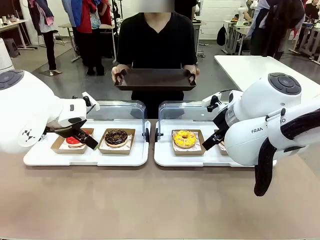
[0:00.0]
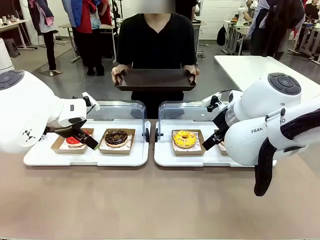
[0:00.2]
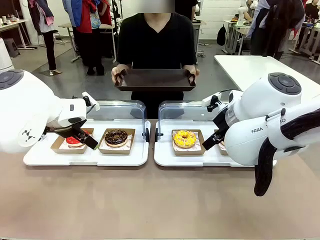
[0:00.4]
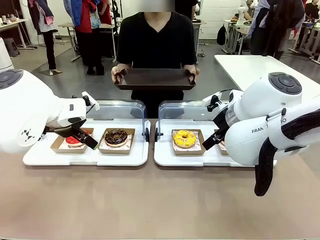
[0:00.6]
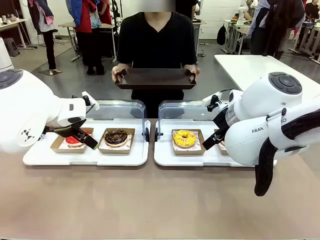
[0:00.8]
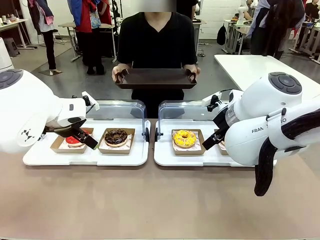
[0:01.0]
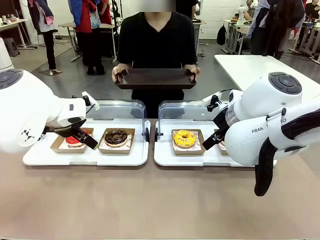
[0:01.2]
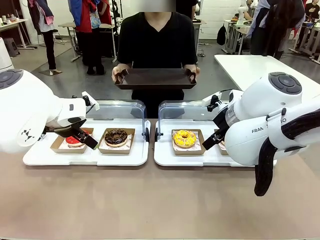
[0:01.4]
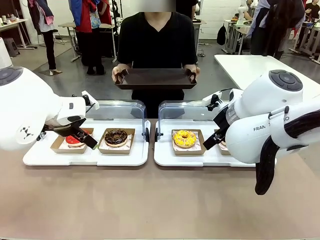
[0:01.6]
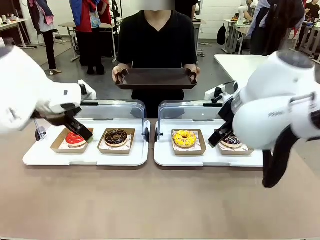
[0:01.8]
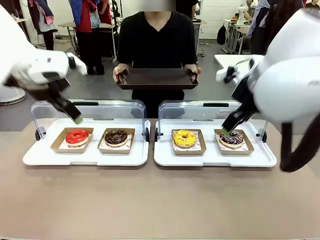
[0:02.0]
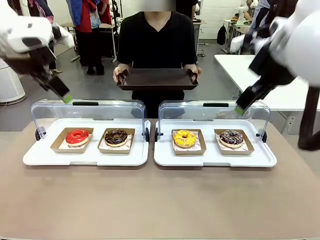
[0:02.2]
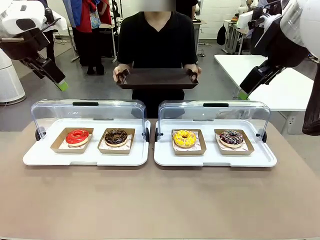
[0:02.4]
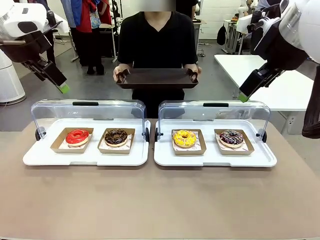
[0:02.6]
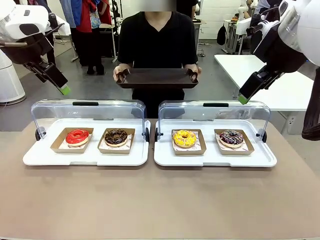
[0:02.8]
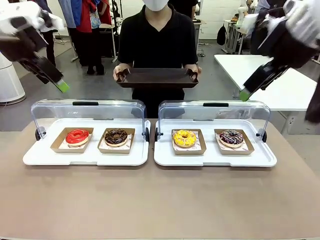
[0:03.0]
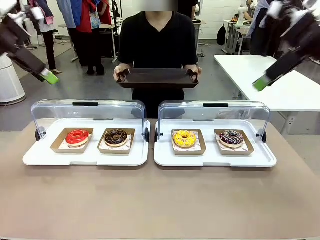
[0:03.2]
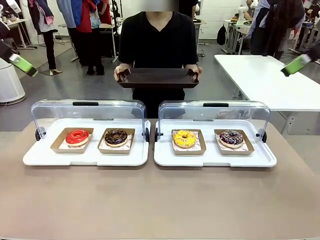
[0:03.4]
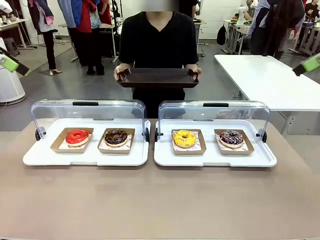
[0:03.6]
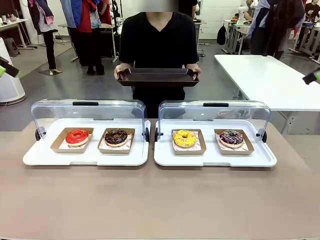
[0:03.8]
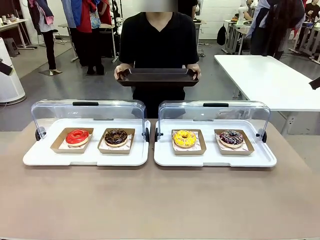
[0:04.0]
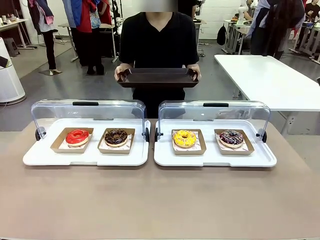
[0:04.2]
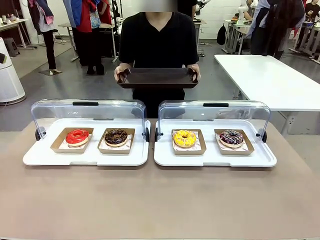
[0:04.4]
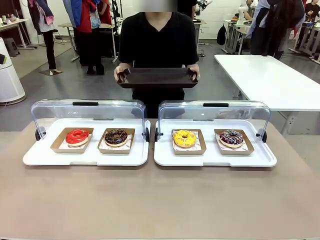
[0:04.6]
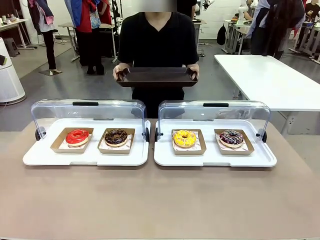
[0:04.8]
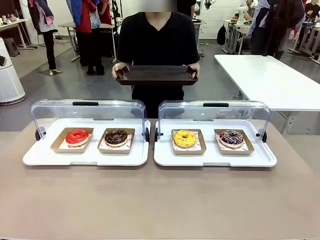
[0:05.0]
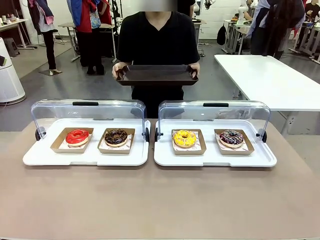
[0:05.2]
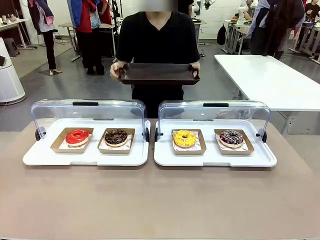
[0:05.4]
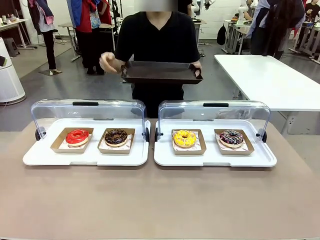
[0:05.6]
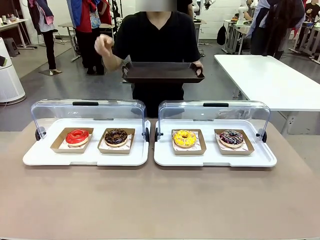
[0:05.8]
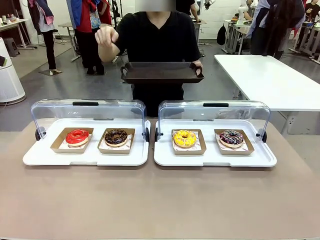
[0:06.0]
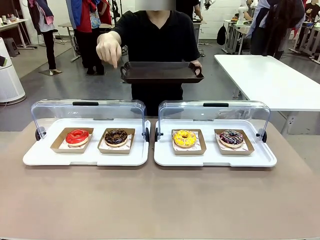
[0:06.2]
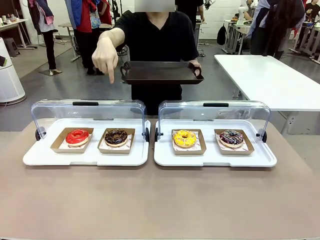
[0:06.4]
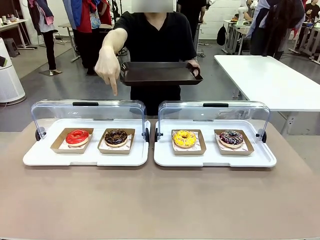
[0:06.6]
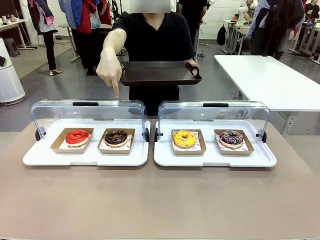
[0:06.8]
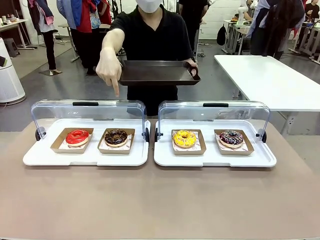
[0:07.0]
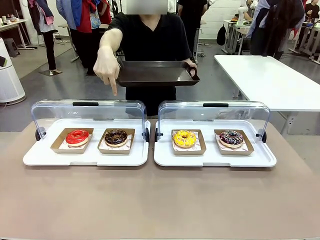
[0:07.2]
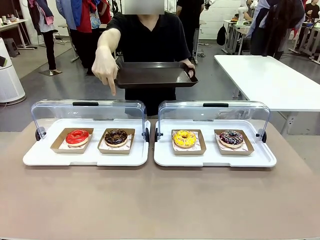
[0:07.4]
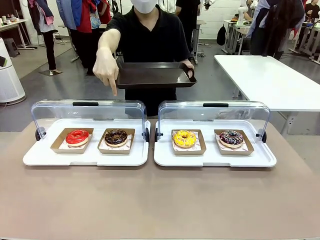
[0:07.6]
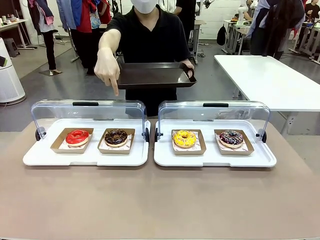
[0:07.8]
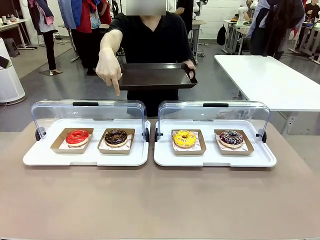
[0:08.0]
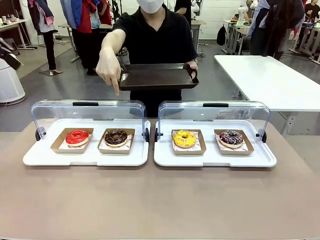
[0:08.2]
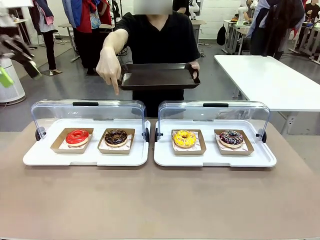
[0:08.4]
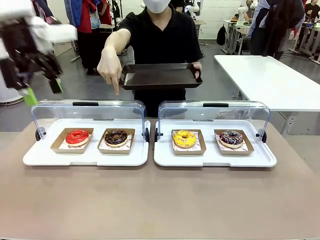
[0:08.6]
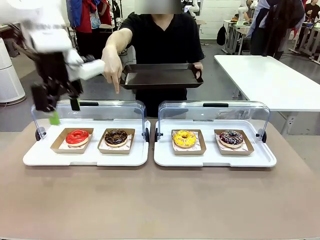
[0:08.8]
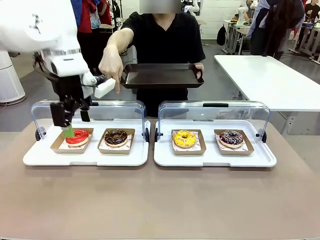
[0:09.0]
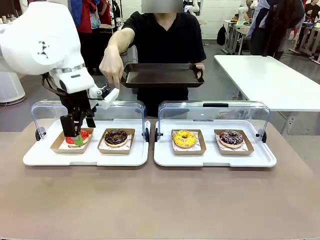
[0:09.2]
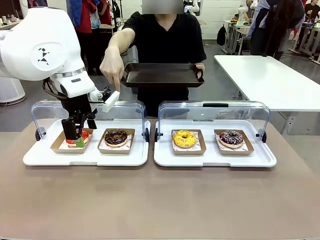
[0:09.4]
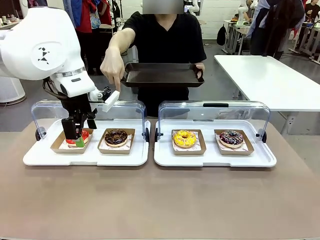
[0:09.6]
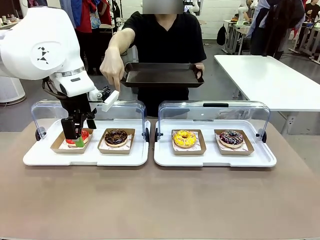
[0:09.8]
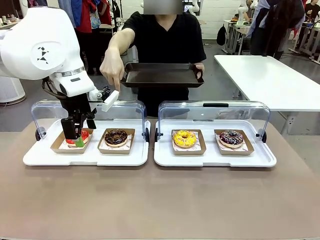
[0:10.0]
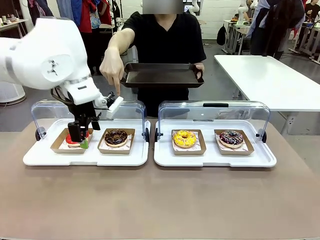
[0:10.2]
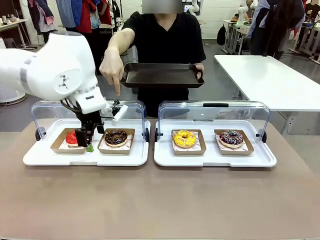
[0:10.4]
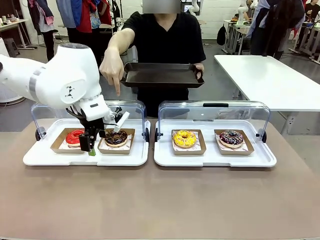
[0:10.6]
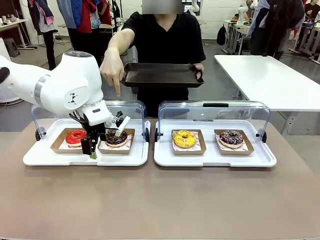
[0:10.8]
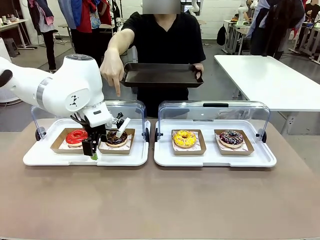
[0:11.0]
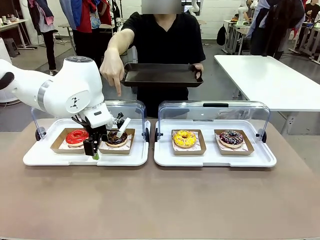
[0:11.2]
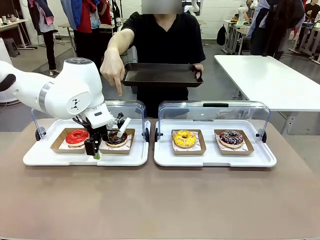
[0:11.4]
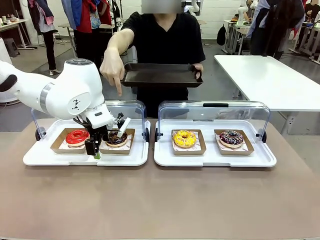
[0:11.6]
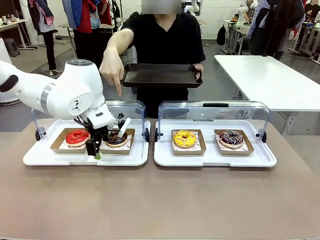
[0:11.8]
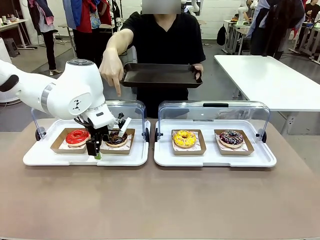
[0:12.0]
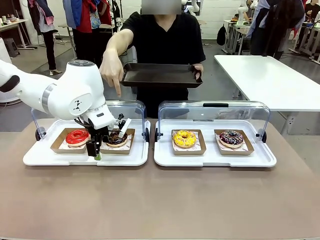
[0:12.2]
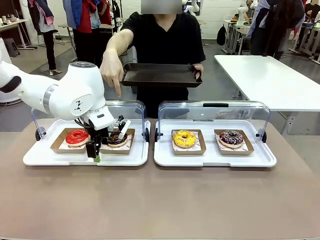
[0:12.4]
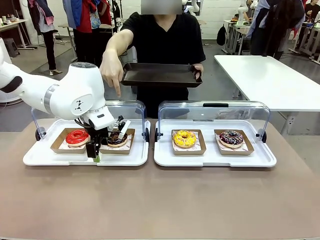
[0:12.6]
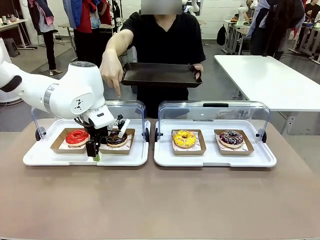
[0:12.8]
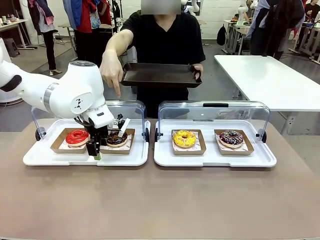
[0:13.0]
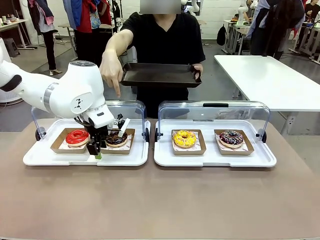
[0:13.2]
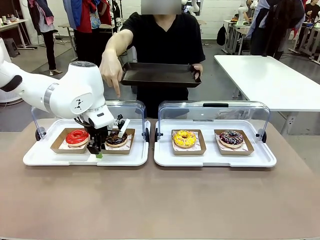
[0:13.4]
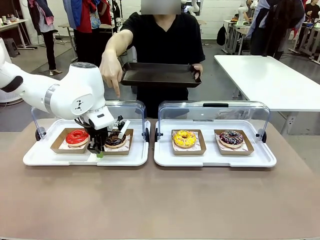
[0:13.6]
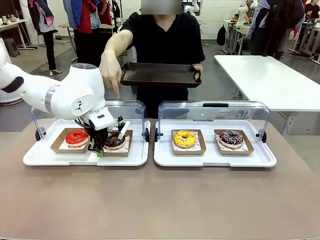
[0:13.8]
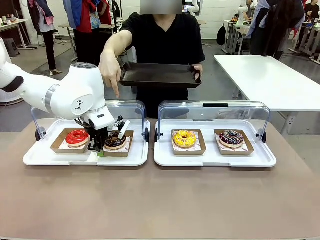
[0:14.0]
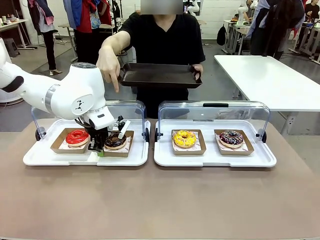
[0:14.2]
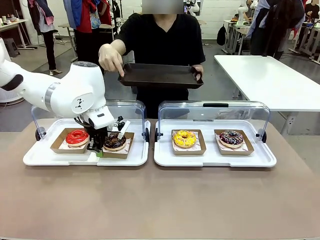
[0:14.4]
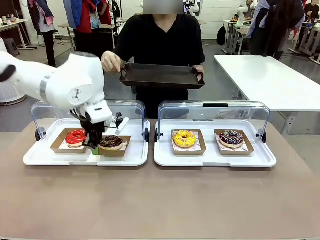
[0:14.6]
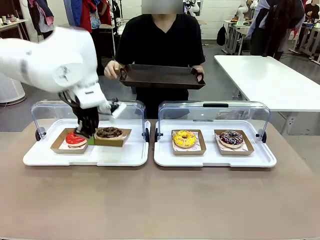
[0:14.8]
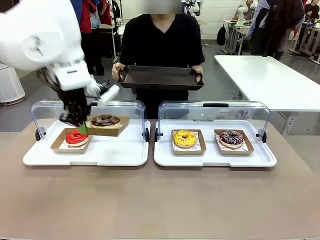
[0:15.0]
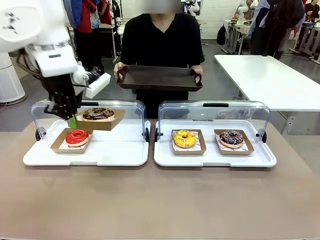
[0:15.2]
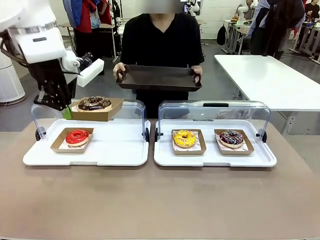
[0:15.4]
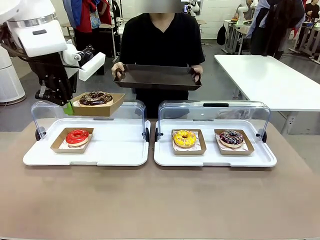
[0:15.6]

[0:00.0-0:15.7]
Task: Provide the desired donut to the person.
Robot: Pick up and lift the Paper togo box containing the Donut pointed at by the person.
Person: Point to one donut. Lift the tray onto the Roll-Top Bakery Case.

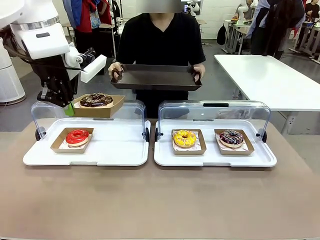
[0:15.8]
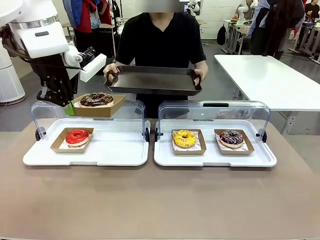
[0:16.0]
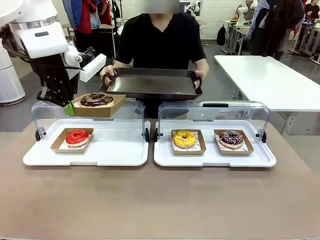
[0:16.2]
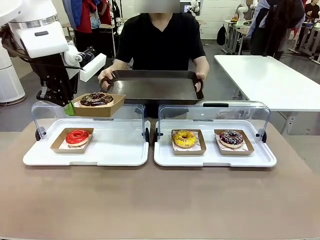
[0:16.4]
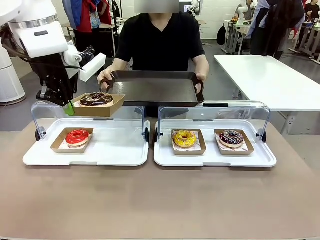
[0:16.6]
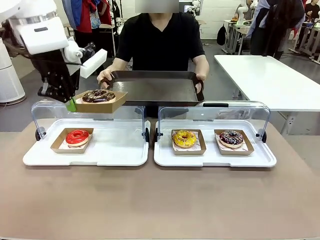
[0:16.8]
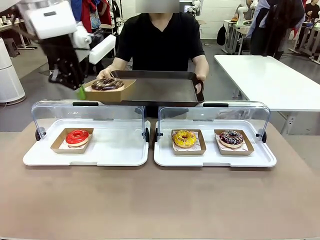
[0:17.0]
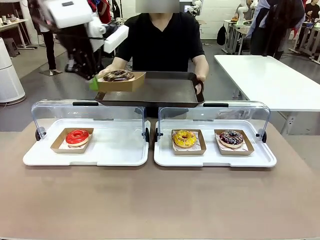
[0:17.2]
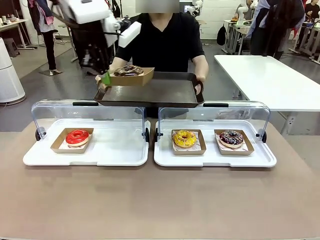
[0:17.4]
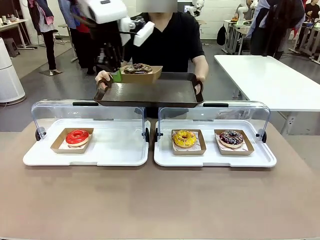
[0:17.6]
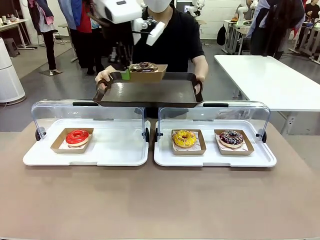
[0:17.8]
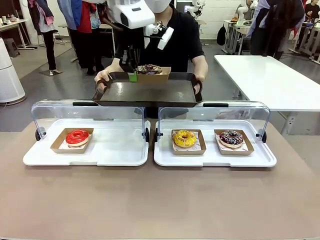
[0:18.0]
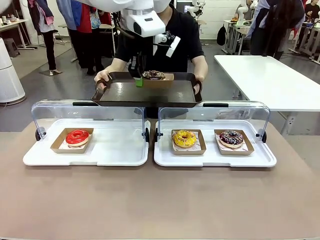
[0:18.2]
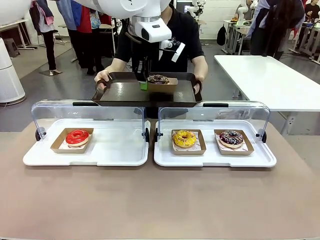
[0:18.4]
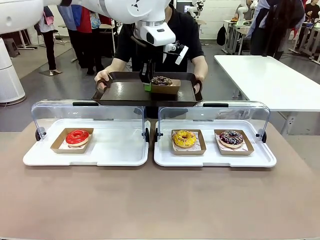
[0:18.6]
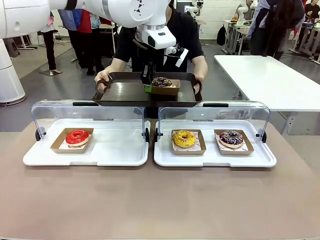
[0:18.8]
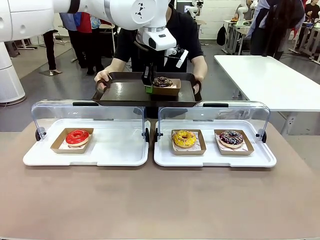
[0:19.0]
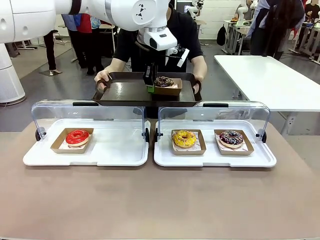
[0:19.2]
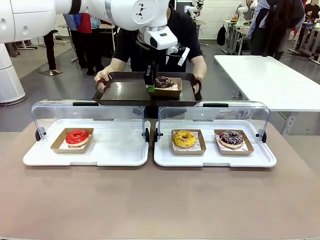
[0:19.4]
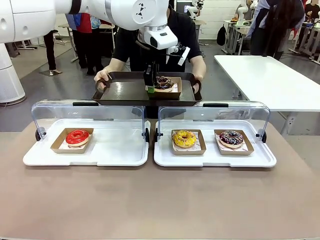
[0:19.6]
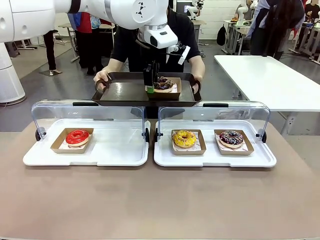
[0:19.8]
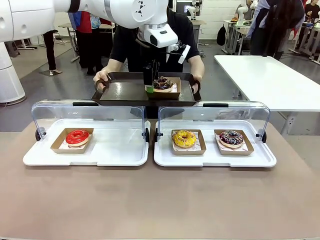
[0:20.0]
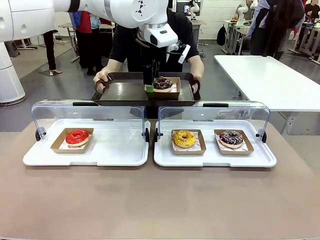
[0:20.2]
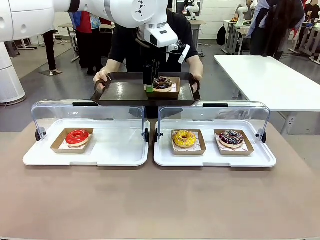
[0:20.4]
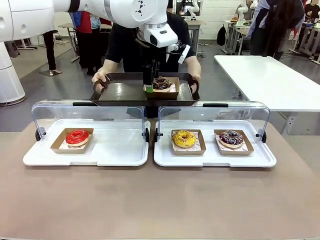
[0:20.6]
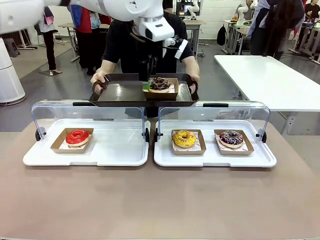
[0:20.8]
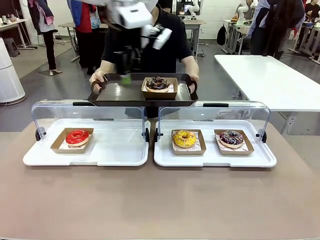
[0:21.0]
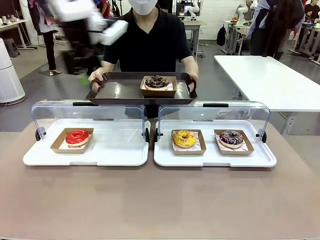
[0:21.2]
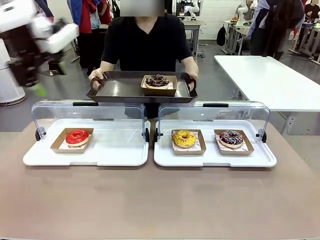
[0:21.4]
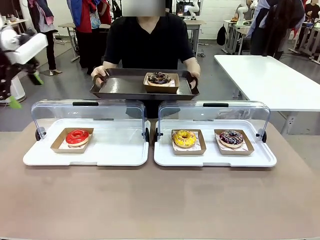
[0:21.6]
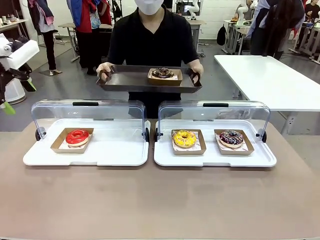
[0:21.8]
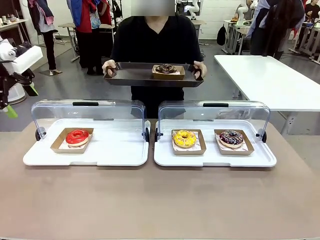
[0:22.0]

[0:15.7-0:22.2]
Robot: Place the picked Paper togo box onto the Handle tray extended by the person.
